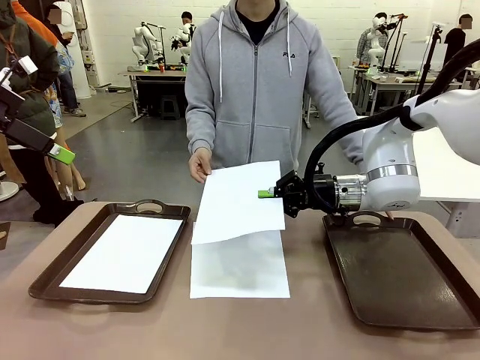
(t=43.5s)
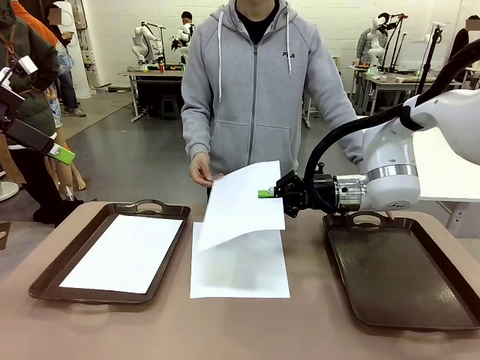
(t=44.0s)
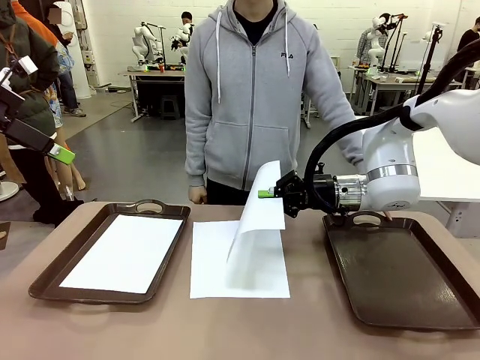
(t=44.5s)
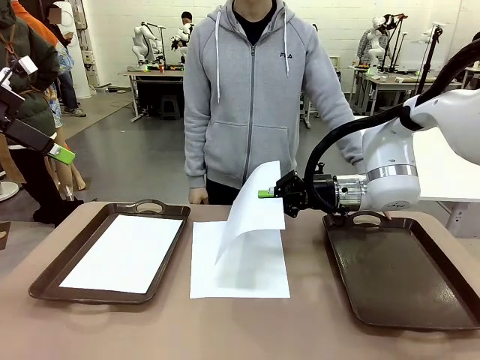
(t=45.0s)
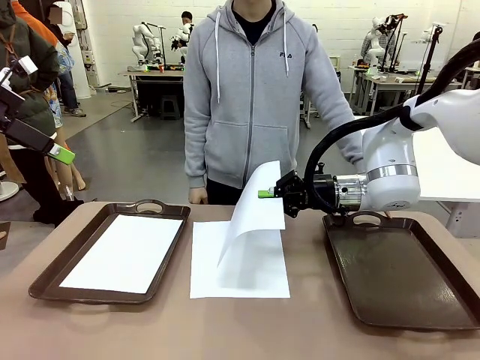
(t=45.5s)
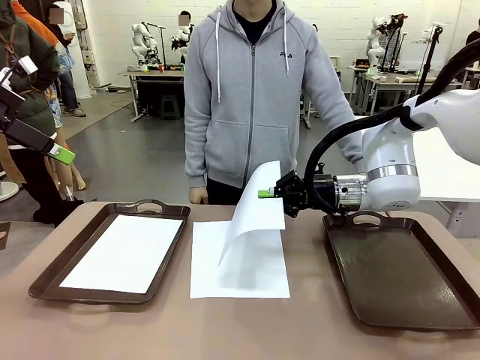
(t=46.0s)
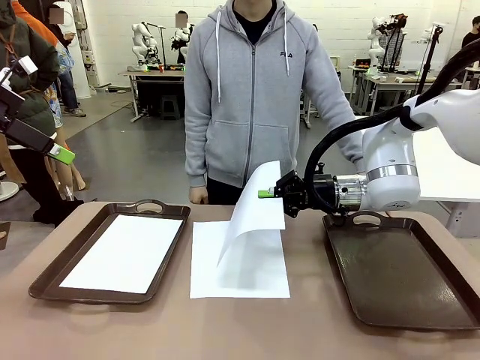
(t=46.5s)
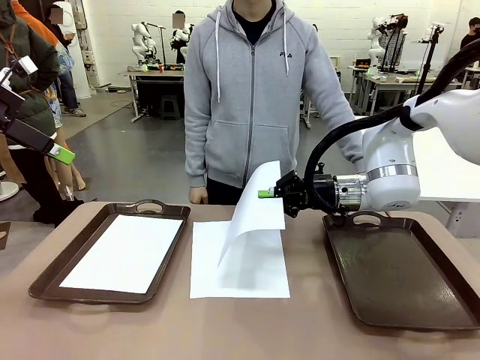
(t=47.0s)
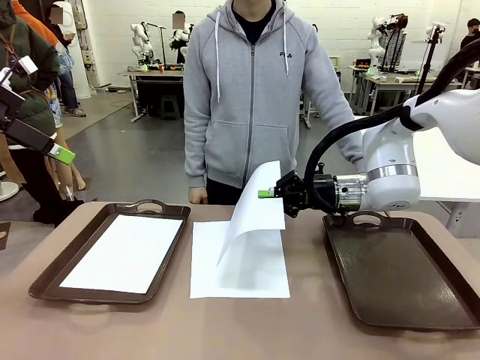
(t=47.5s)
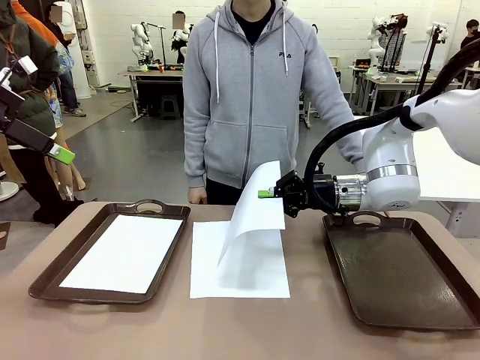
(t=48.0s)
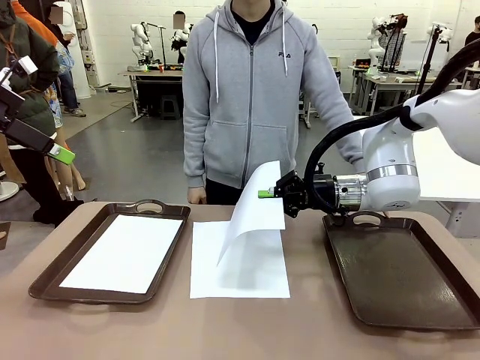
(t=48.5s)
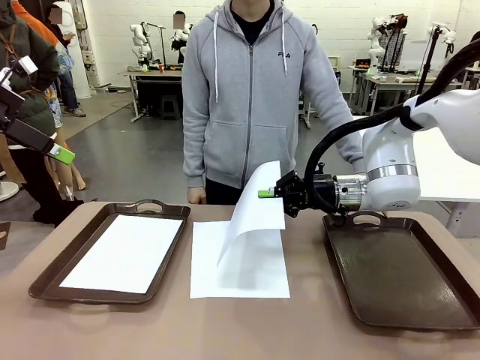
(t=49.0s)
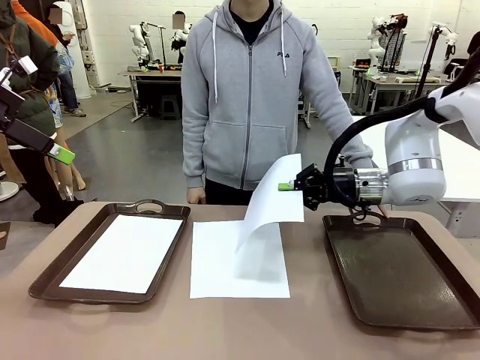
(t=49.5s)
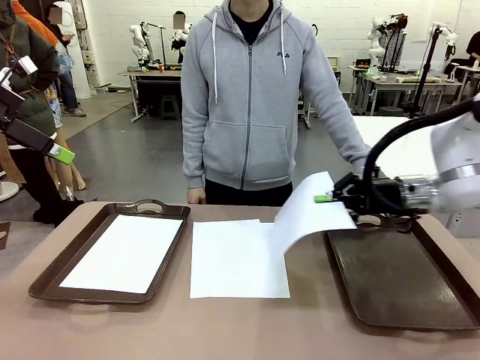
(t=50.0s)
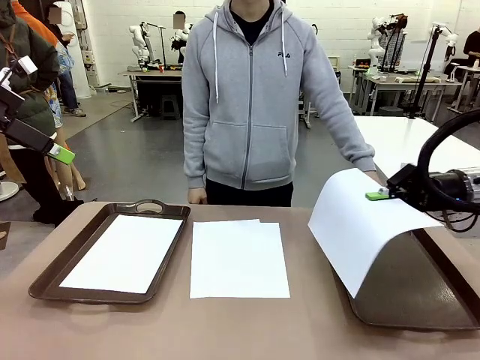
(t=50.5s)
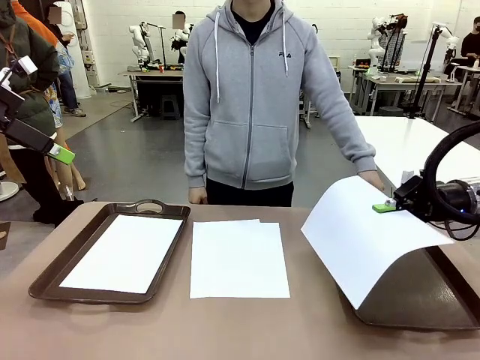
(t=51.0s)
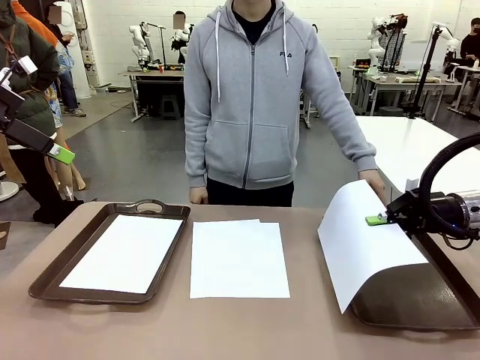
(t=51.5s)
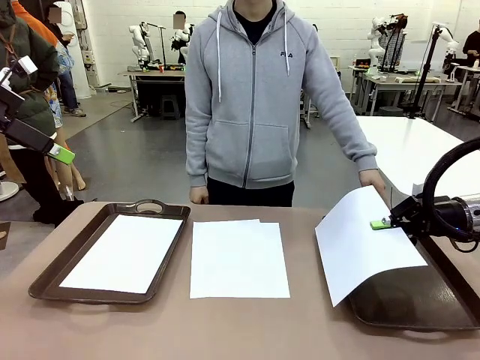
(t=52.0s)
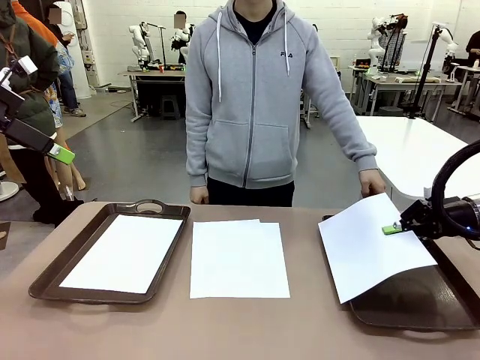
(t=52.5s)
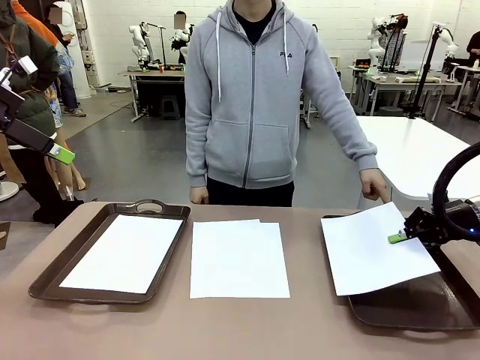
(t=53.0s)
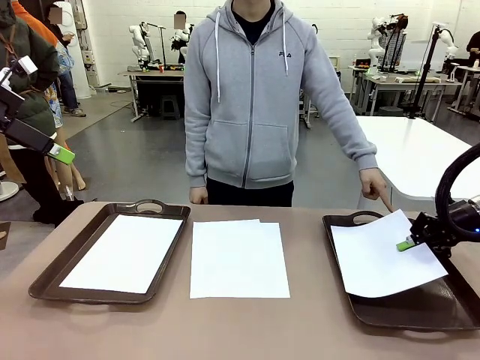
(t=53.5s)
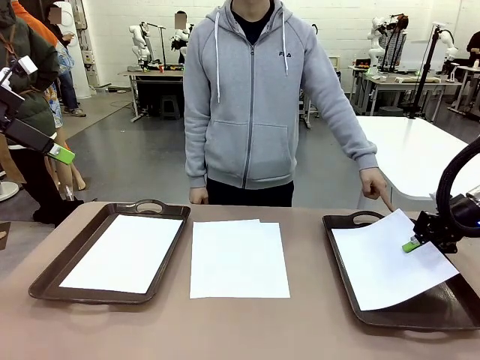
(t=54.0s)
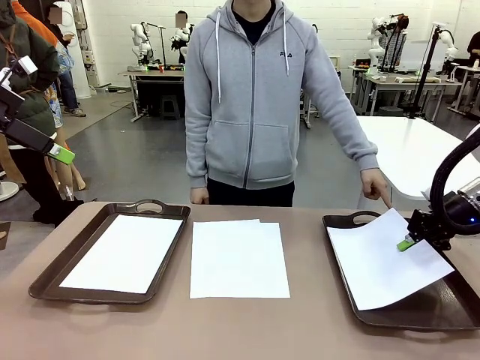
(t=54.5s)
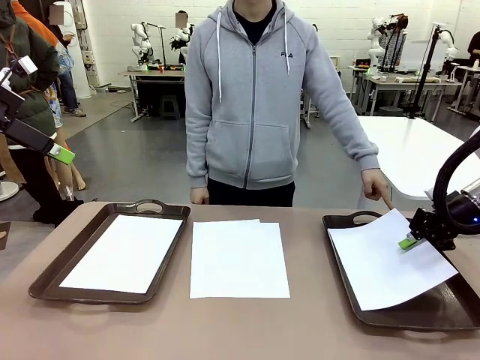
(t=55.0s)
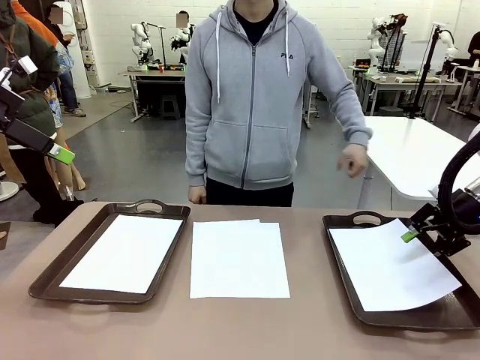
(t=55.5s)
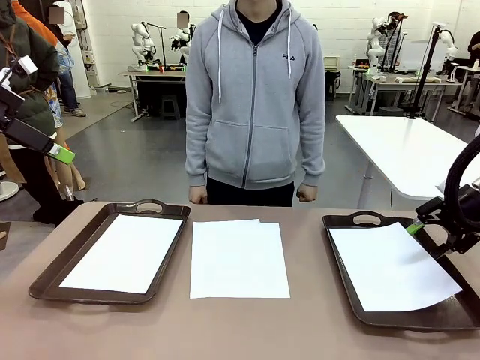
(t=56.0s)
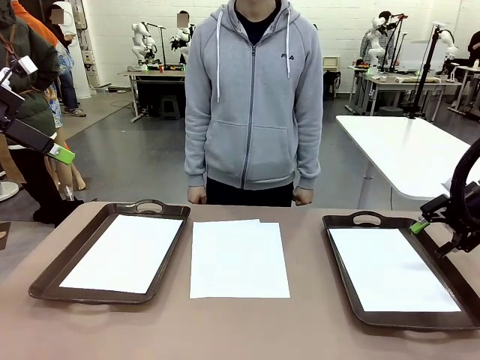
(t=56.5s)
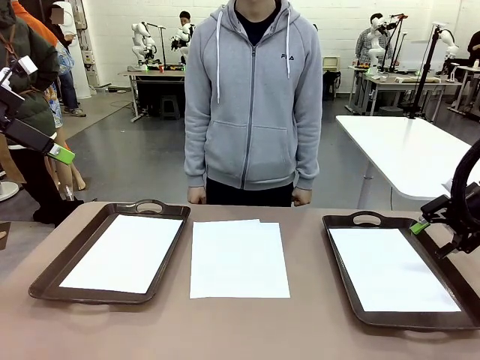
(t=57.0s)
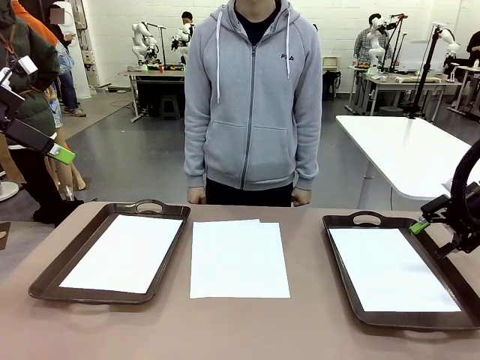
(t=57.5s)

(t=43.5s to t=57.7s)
Task: Sort the A4 documents.
Robot: Place the A4 Paper in the designated Handle tray.
Person: Pick up a sheet of paper from the center of the table and hand it to the robot.

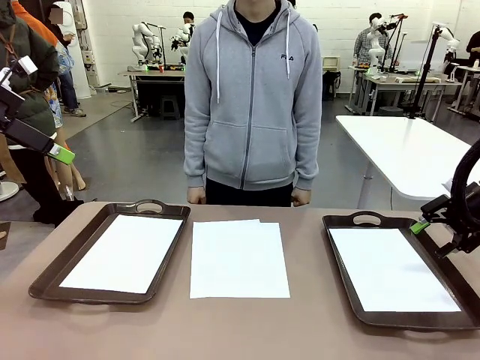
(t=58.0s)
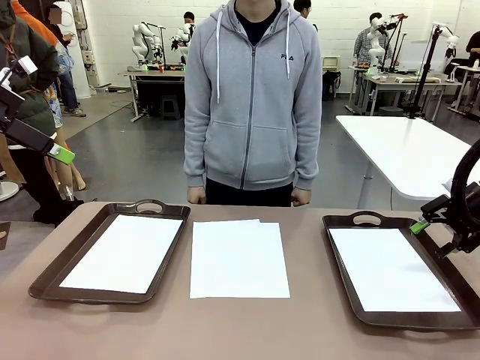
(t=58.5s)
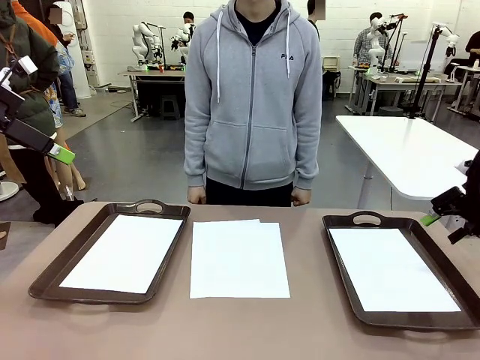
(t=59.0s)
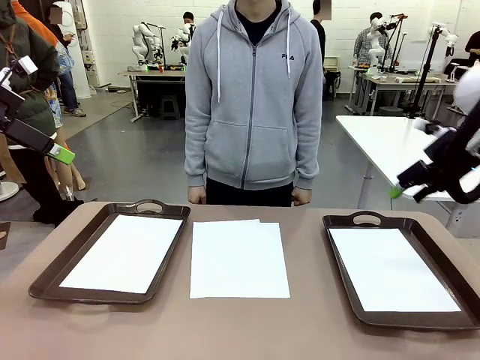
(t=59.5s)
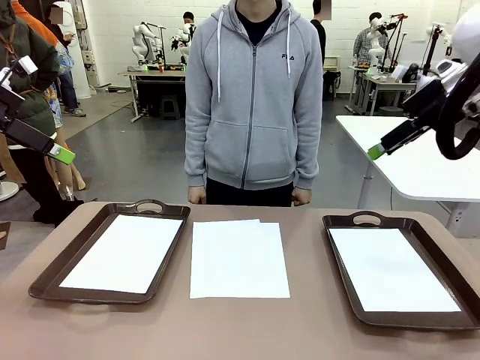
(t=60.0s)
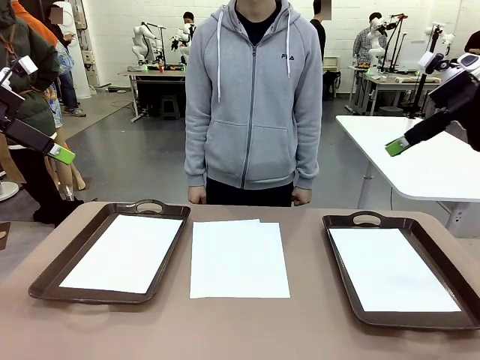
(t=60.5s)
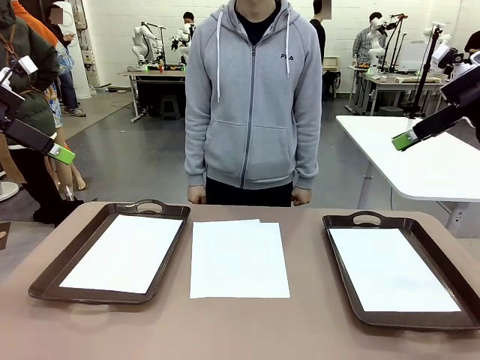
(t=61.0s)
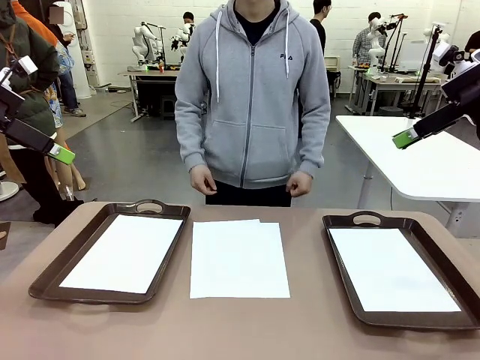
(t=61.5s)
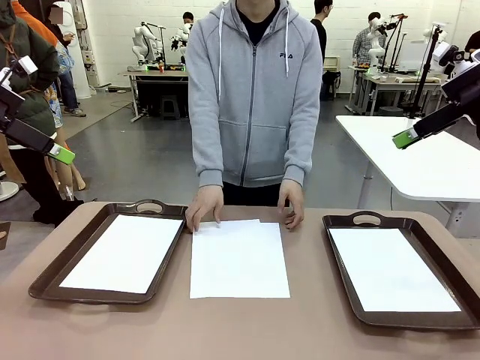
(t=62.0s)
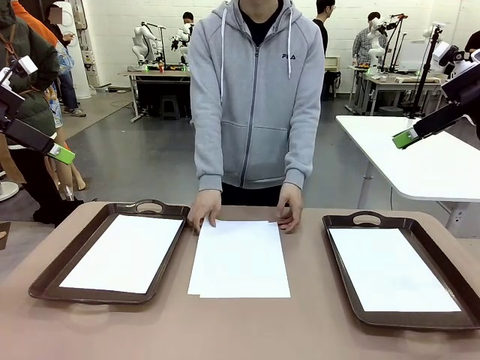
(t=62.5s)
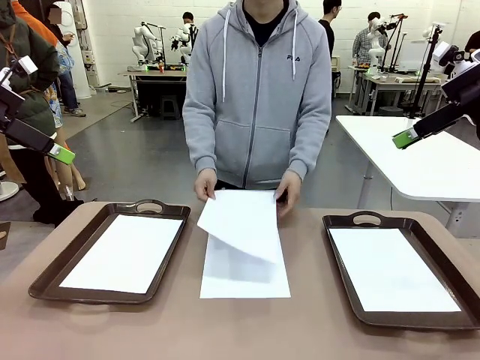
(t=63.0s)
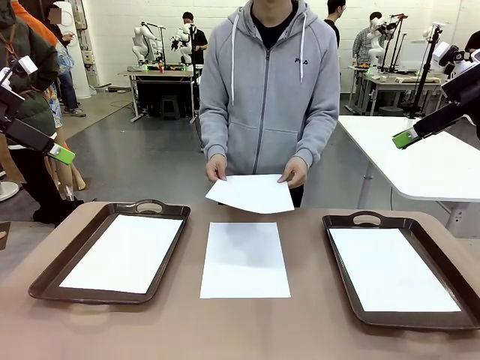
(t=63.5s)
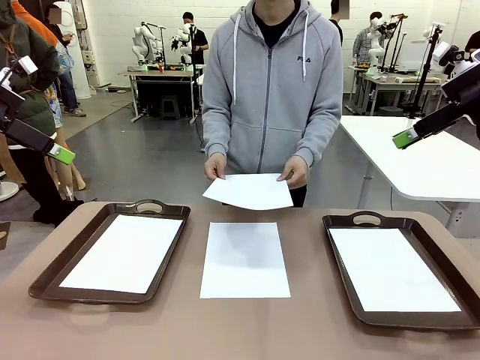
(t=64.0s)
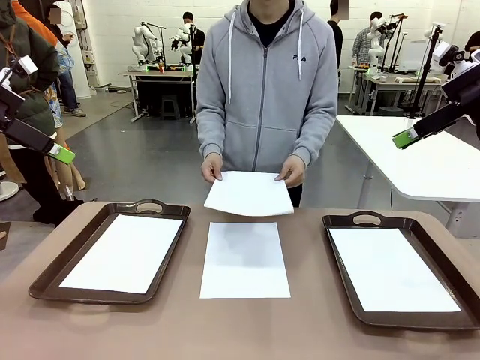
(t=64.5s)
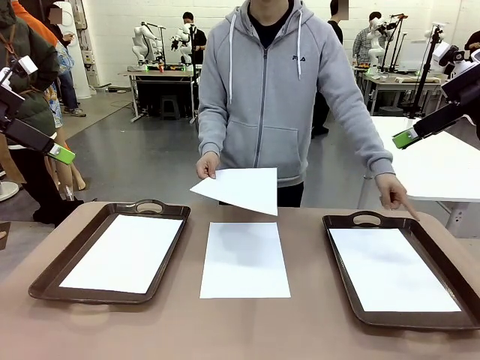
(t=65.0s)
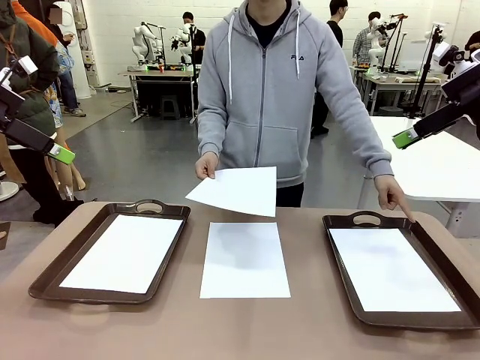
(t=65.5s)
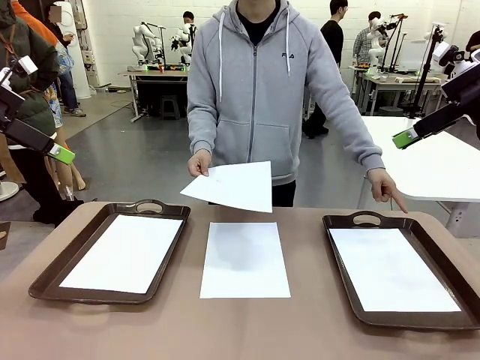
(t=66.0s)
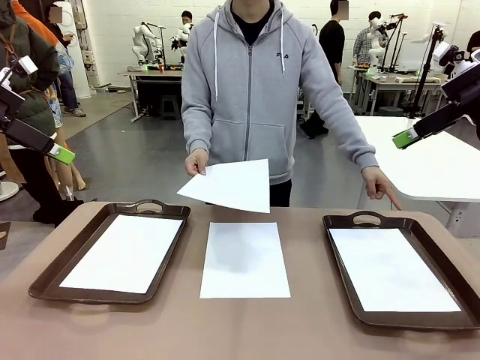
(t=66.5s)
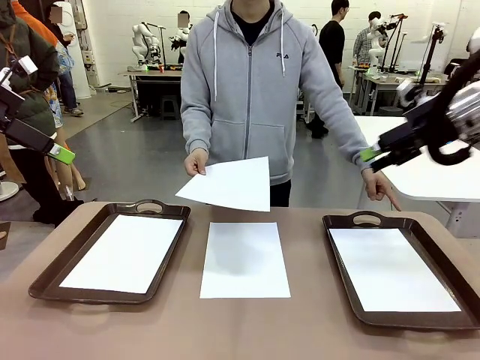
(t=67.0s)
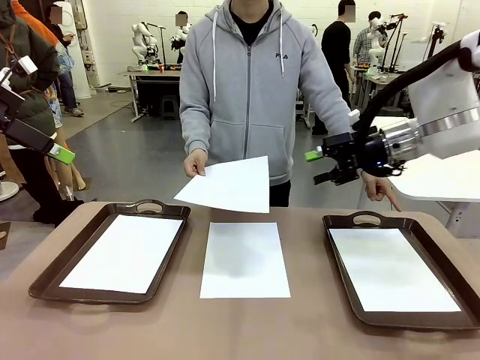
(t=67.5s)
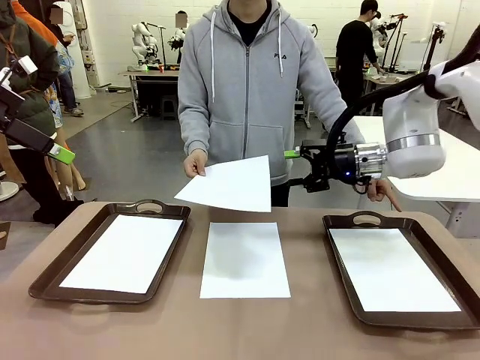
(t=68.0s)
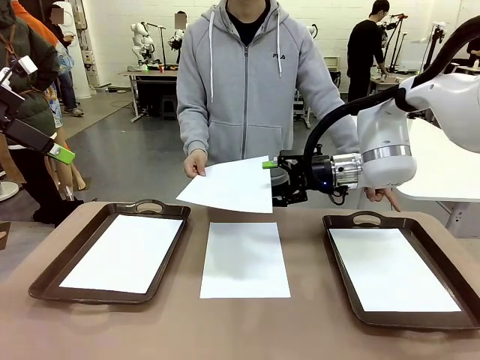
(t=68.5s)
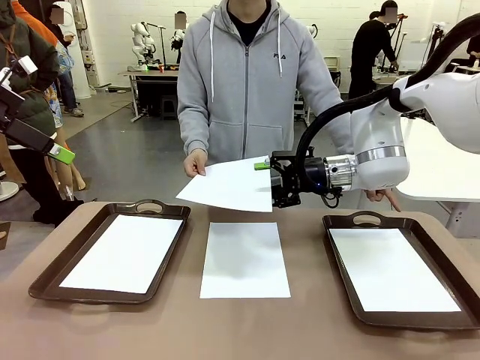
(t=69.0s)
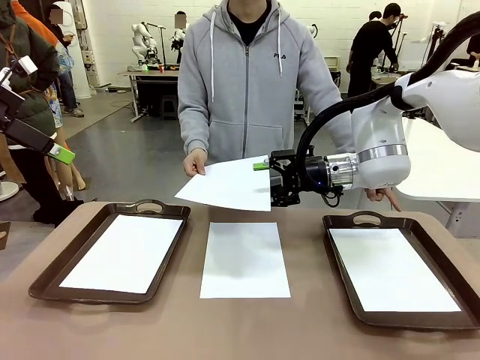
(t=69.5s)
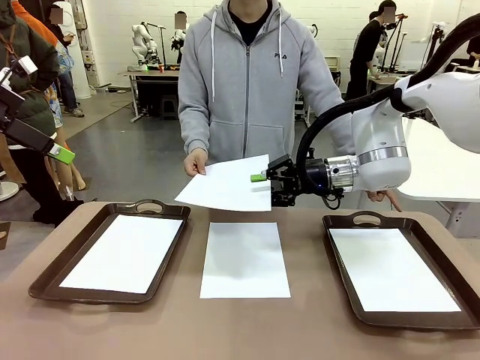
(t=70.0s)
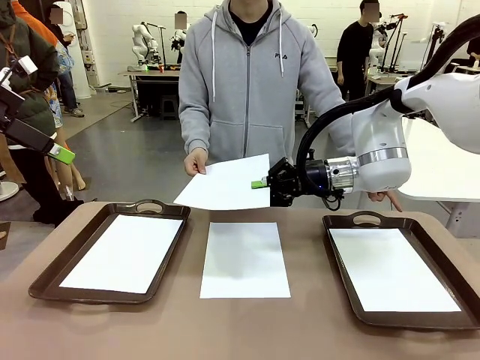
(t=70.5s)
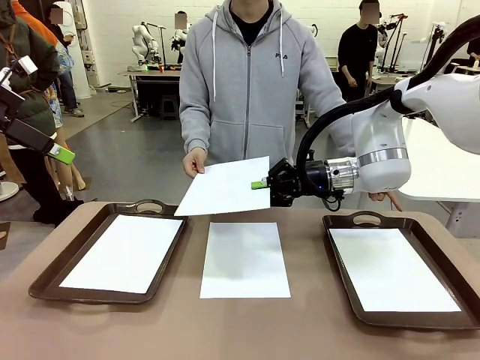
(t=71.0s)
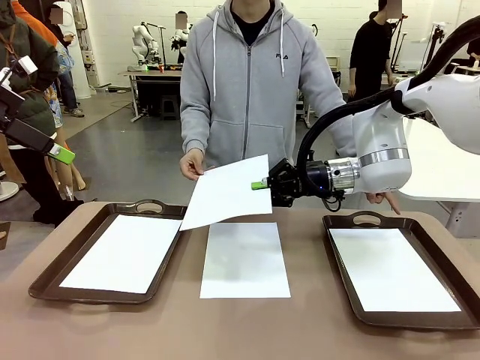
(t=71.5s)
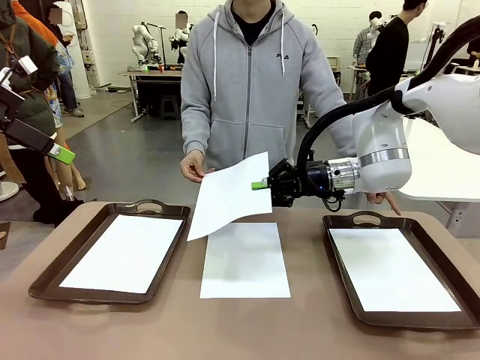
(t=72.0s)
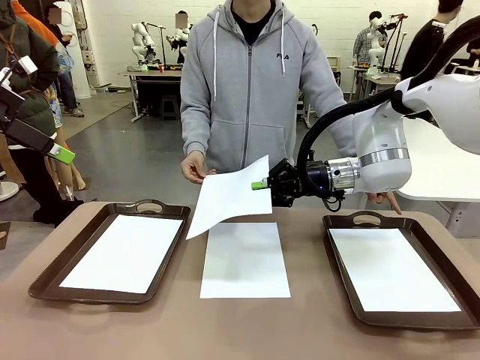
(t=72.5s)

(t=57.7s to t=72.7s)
Robot: Receive the A4 Paper.
Person: Point the randomly selected tray with the other hand.
